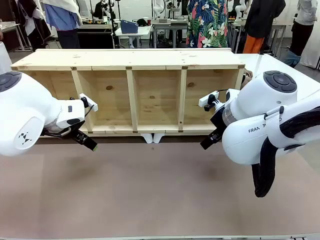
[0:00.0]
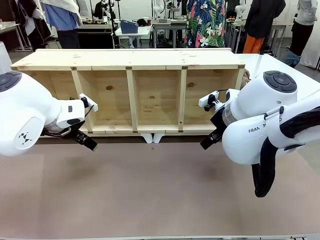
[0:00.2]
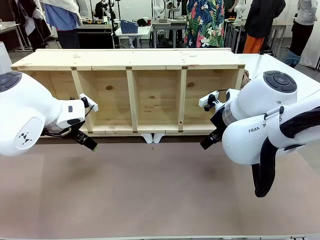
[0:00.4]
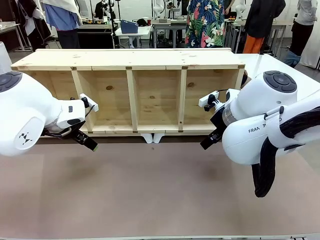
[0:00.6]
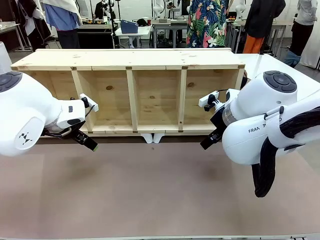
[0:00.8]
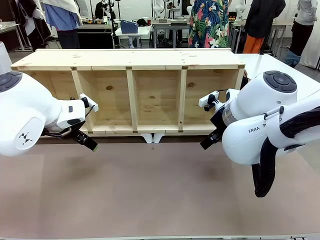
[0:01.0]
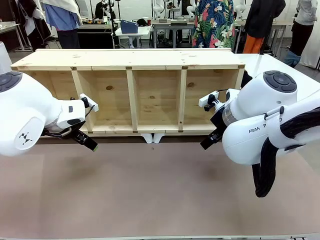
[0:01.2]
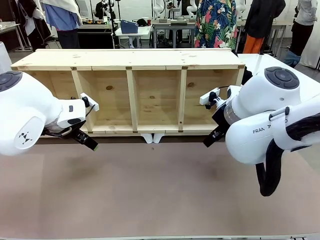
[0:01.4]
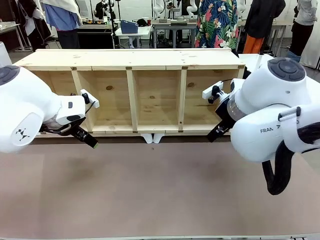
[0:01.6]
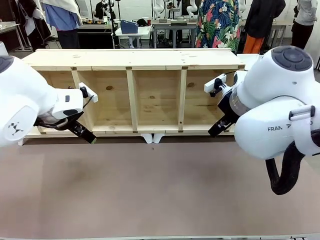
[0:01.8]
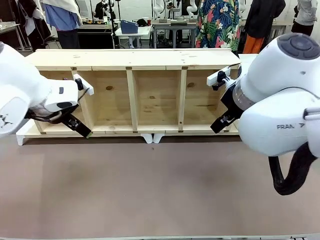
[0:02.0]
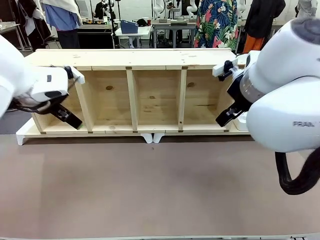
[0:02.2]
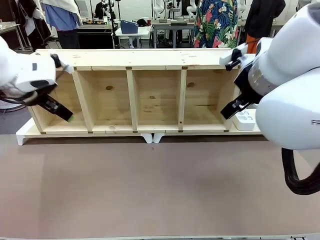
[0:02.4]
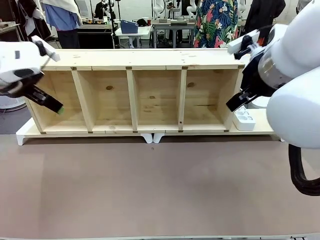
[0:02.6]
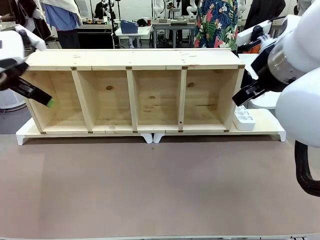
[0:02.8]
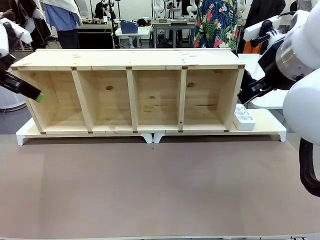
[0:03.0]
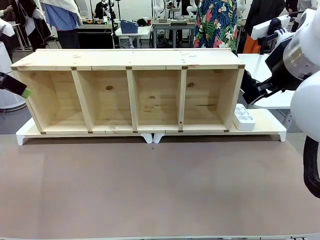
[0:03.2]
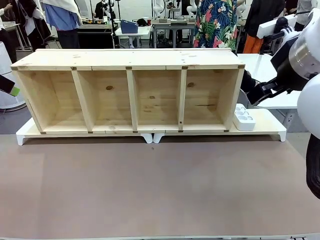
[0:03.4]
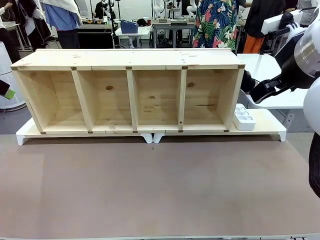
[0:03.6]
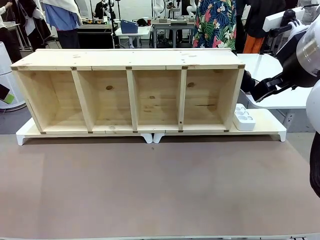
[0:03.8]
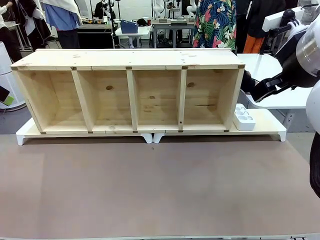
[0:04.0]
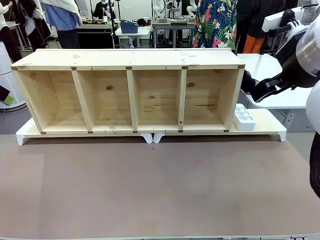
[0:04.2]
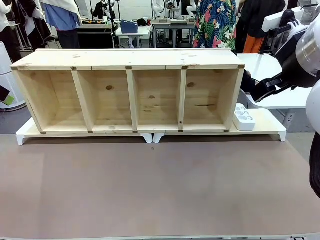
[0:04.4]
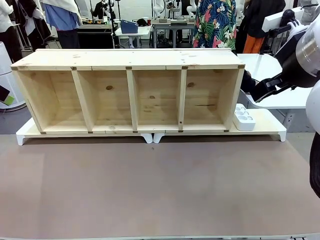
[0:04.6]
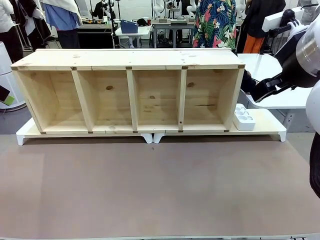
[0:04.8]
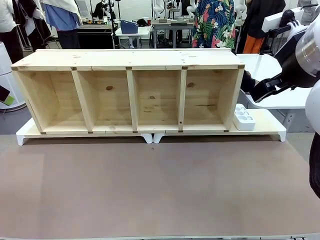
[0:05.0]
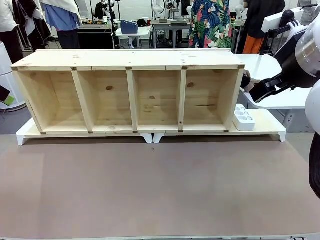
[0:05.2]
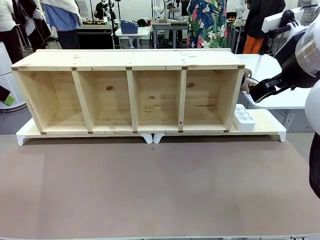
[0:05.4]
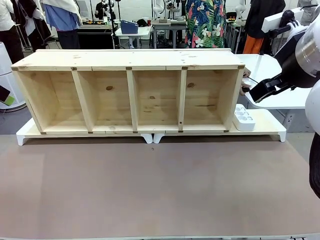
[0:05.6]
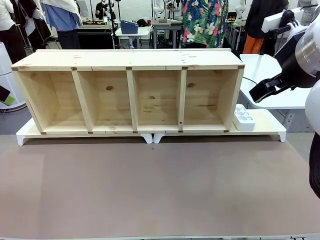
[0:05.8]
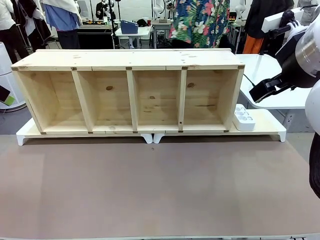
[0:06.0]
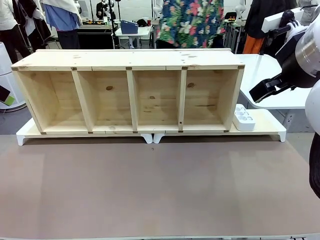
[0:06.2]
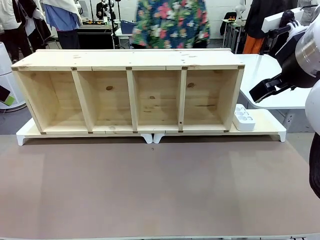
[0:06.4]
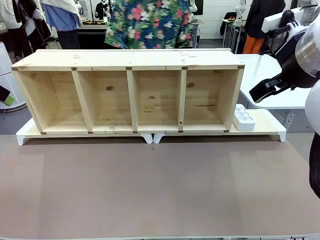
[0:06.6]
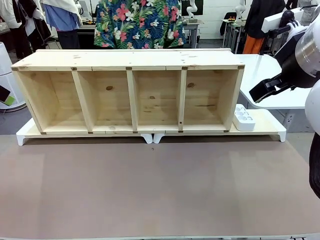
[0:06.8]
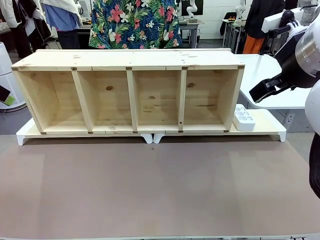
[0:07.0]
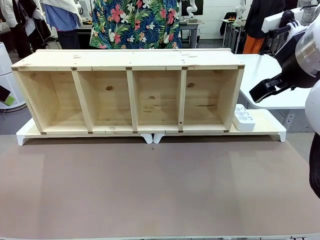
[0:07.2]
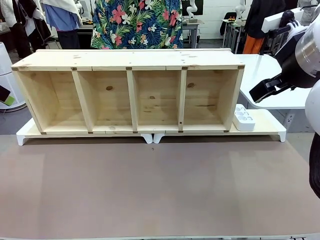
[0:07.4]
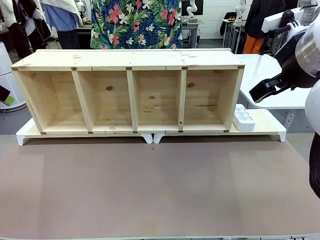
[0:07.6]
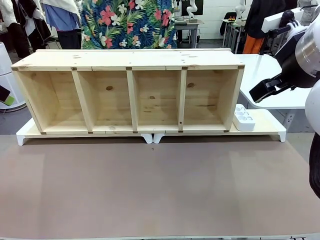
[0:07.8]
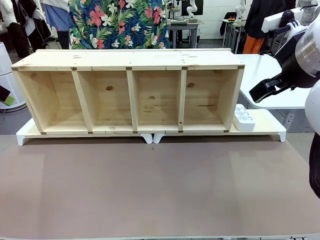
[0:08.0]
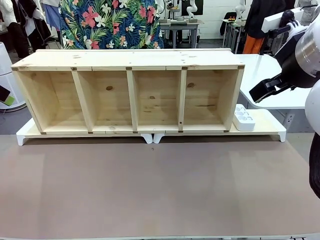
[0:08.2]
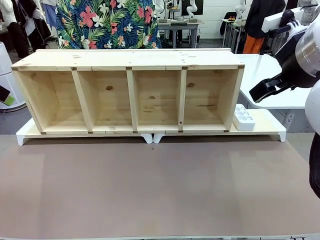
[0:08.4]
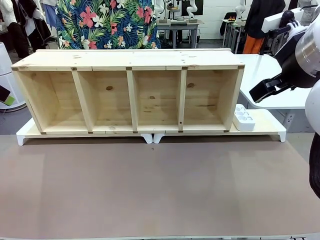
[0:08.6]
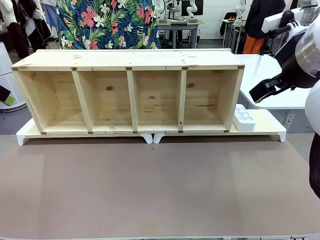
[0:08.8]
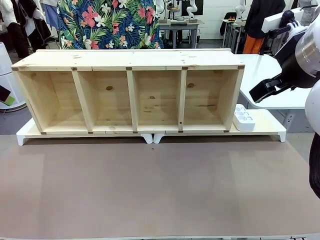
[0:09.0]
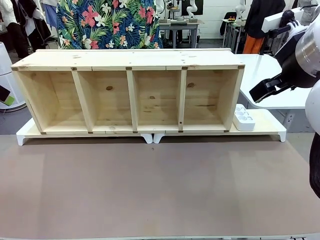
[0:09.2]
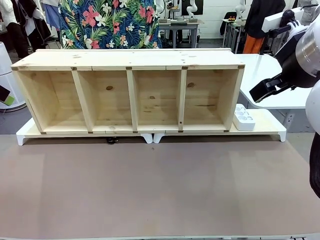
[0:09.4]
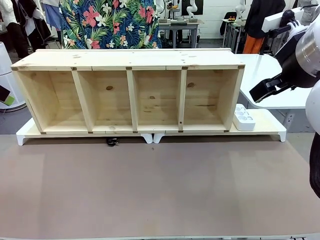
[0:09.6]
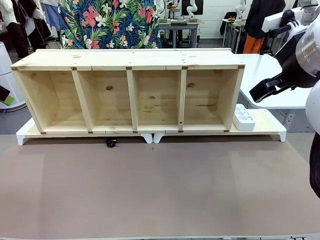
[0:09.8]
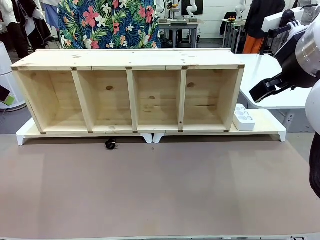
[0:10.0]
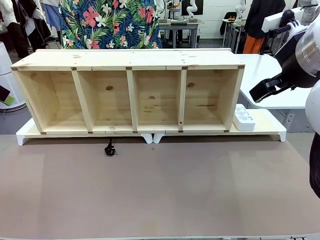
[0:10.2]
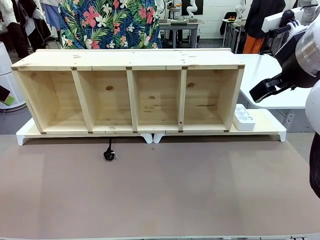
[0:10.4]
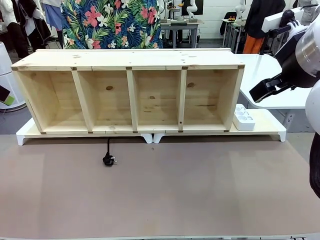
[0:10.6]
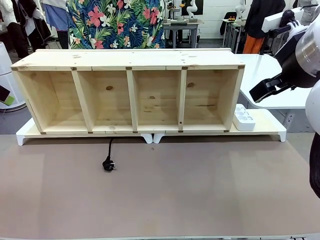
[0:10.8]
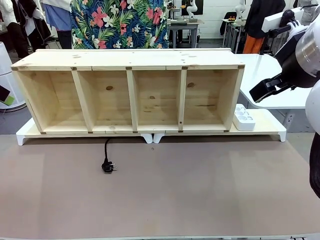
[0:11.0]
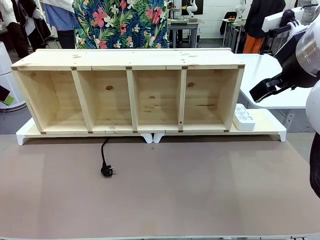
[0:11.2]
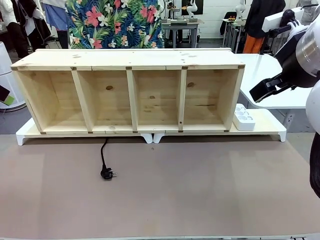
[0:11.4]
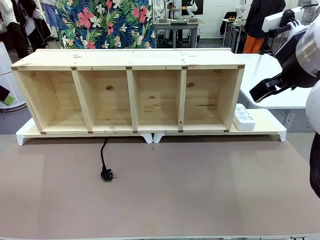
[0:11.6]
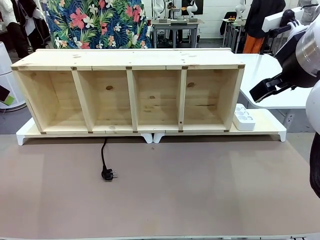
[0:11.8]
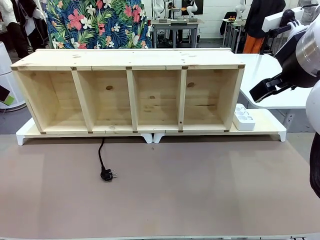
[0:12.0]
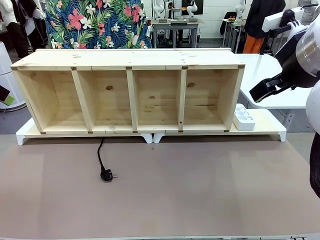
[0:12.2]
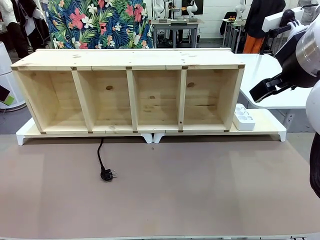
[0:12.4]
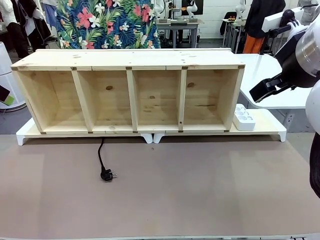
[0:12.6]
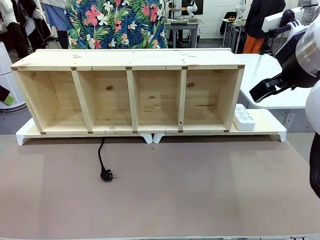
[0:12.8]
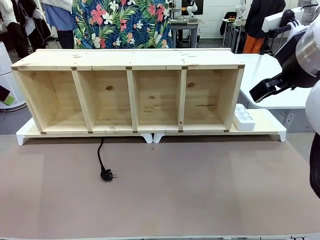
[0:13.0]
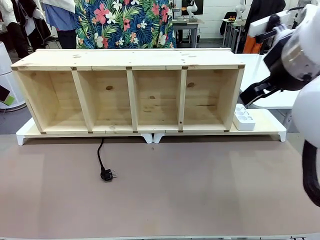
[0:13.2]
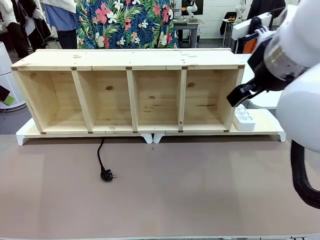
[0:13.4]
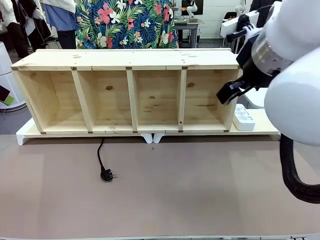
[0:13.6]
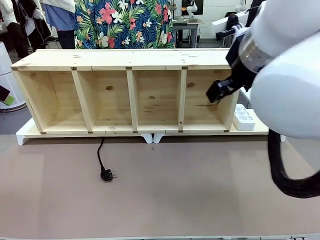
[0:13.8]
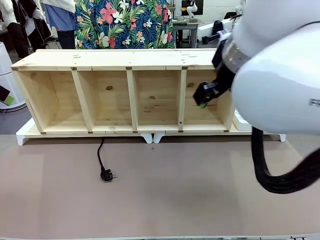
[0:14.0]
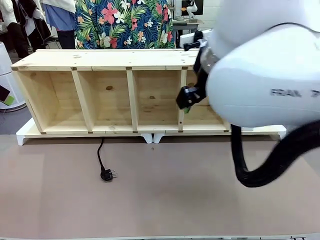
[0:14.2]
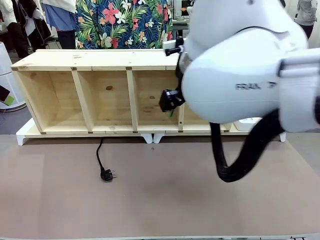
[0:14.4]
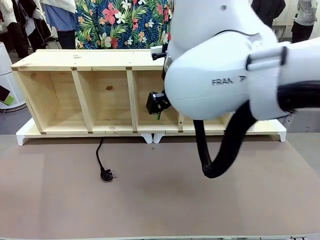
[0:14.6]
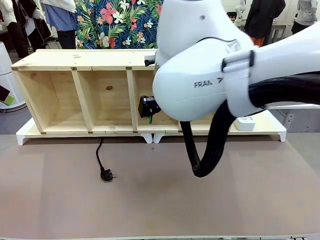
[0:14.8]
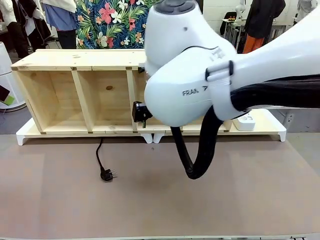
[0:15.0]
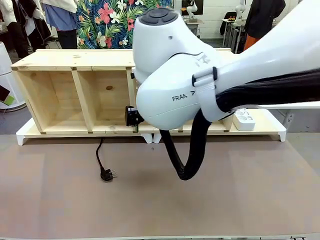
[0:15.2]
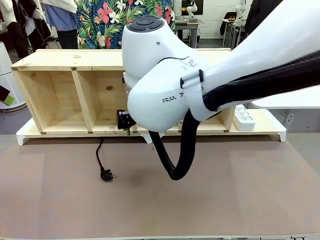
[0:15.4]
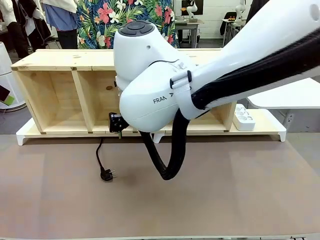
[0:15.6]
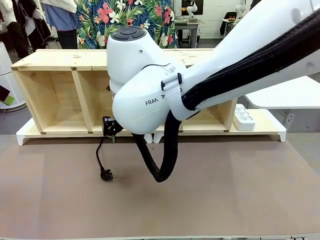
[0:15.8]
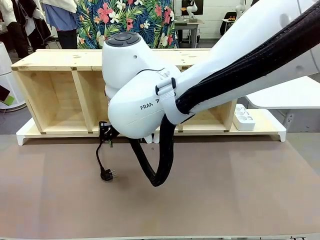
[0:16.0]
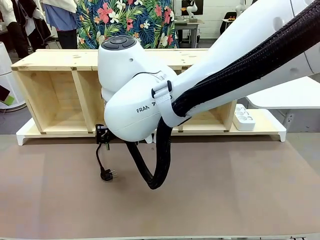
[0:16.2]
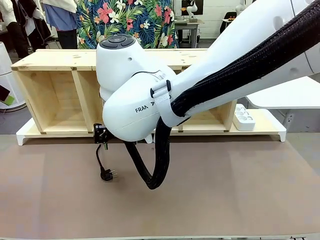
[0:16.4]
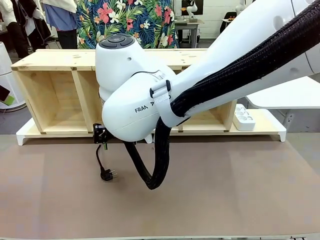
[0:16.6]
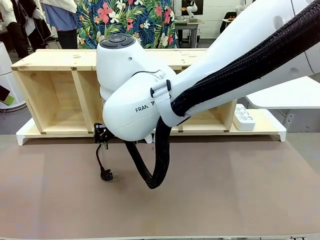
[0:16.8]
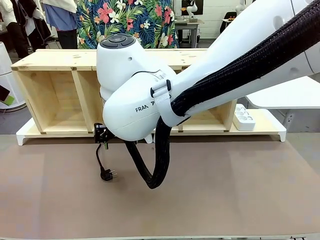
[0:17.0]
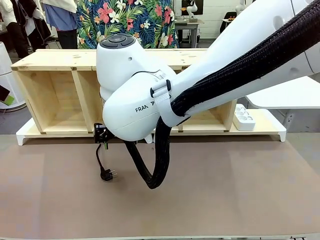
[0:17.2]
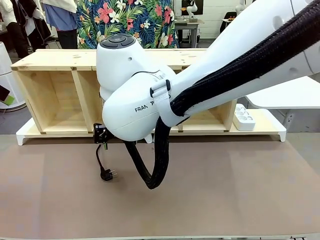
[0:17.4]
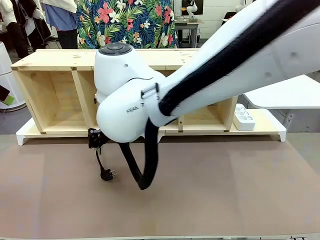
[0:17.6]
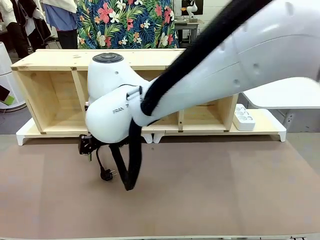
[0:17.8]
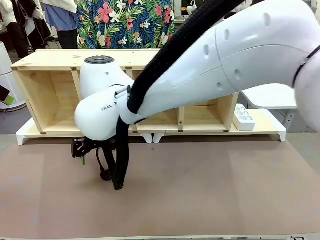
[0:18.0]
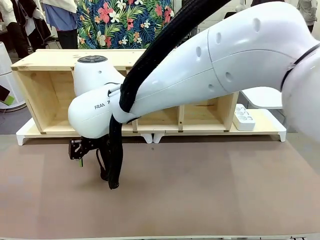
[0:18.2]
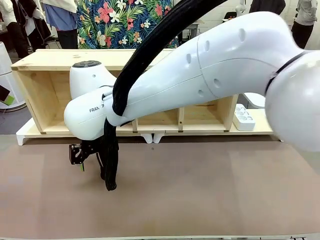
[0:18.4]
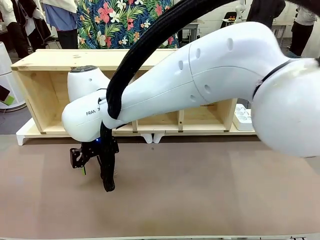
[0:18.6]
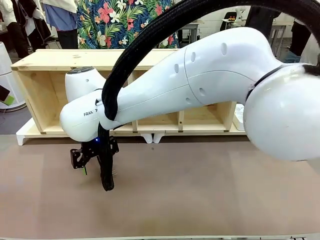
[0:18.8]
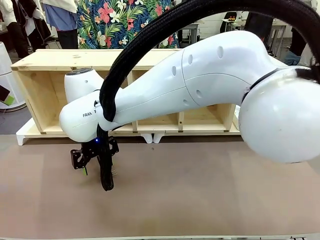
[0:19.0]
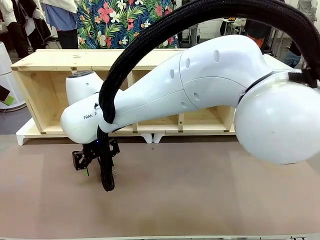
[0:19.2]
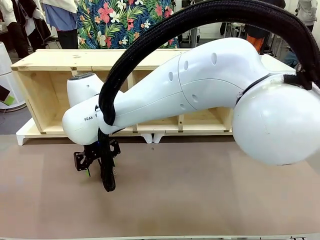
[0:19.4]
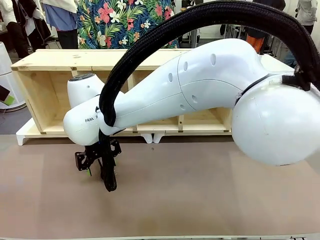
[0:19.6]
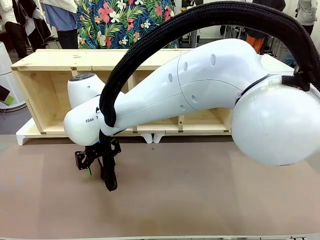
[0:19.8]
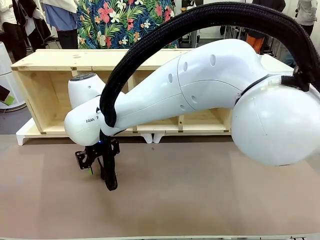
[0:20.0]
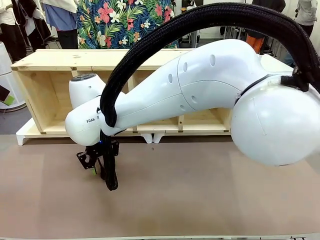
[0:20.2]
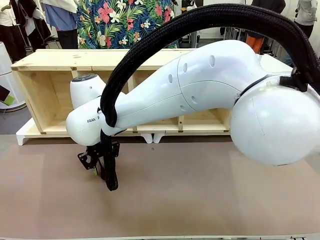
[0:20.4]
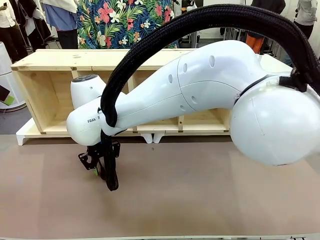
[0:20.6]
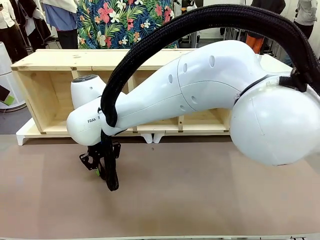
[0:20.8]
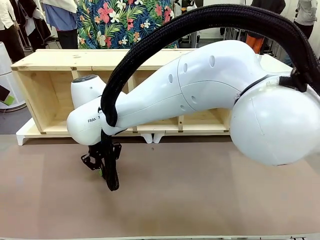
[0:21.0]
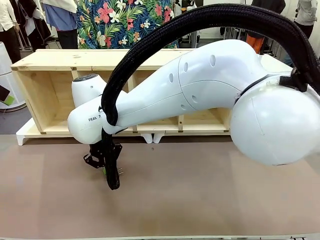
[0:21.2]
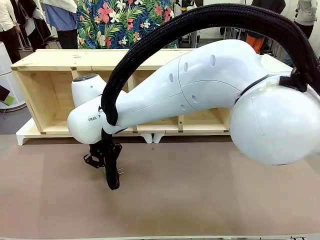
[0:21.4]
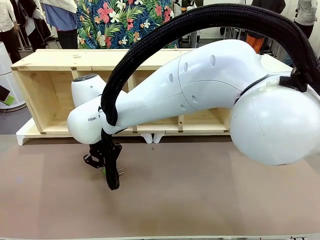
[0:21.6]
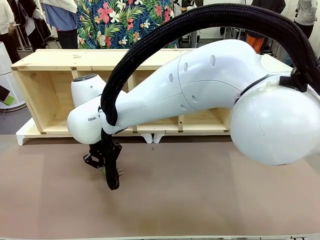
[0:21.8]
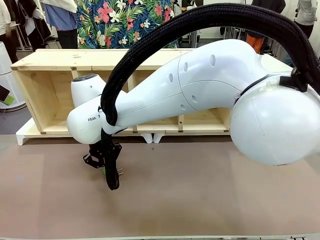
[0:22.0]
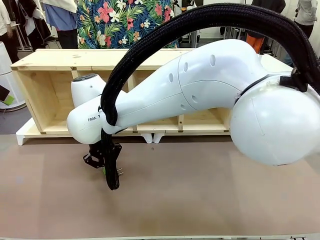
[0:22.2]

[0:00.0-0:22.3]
Task: Perform cable management.
Robot: When the cord part of the Power Cable appears at the lower middle area of the table and stops, grasp the cord part of the Power Cable.
Person: Pass the Power Cable under the Serving Table.
